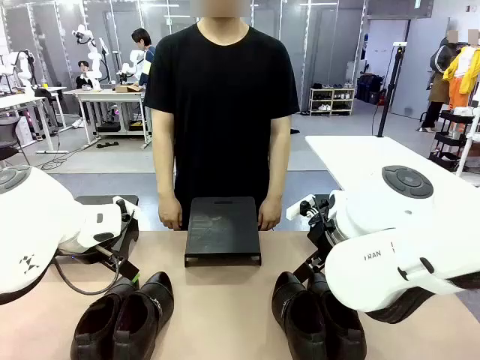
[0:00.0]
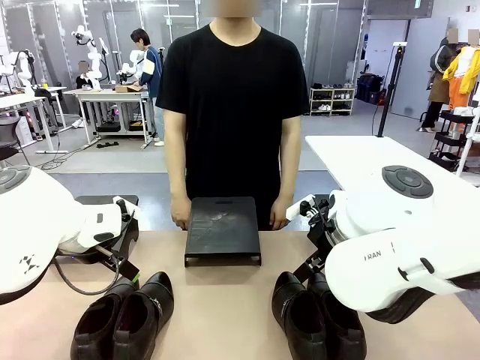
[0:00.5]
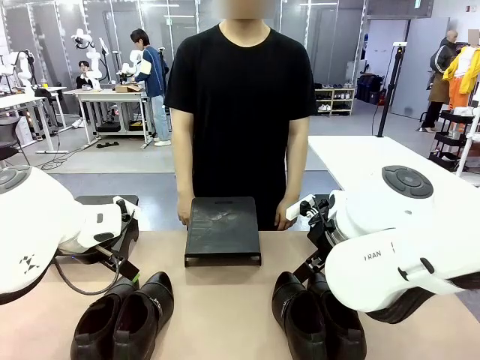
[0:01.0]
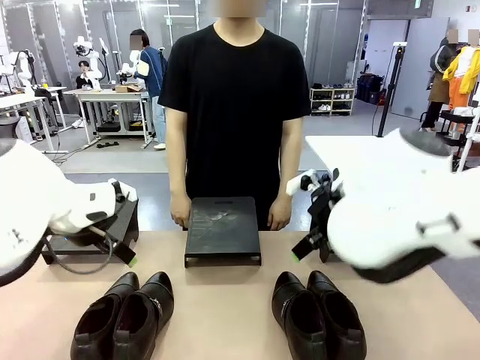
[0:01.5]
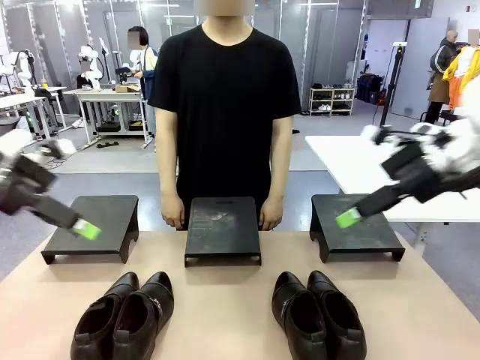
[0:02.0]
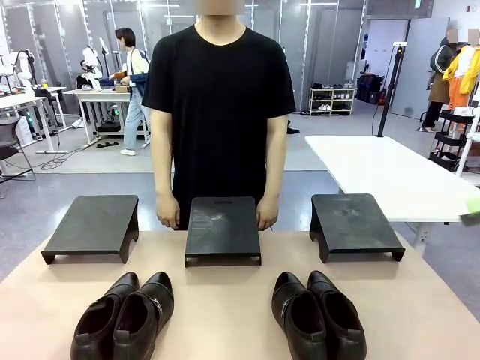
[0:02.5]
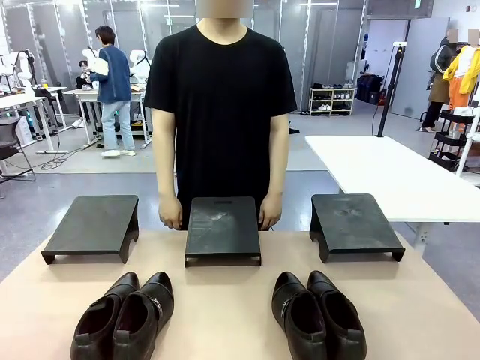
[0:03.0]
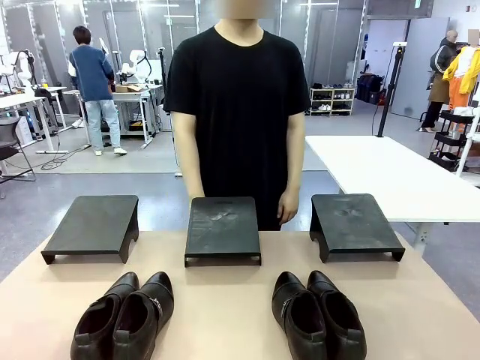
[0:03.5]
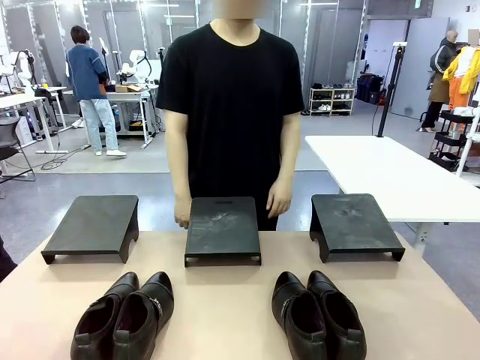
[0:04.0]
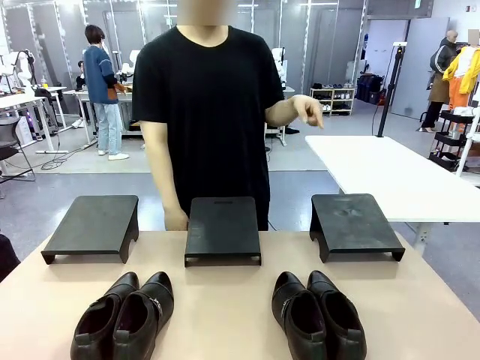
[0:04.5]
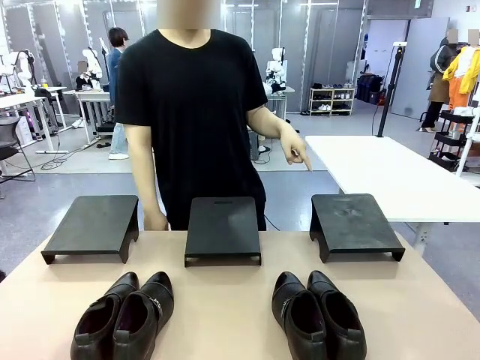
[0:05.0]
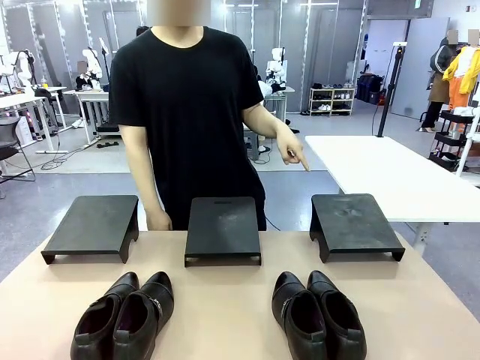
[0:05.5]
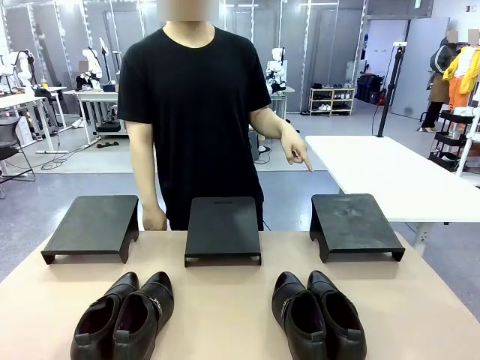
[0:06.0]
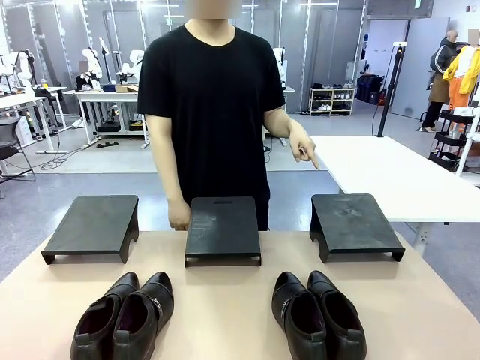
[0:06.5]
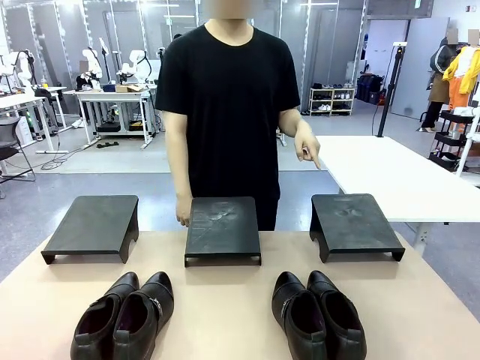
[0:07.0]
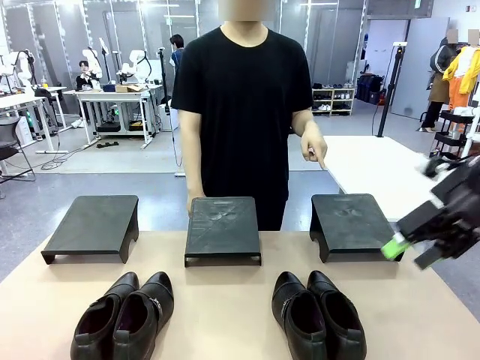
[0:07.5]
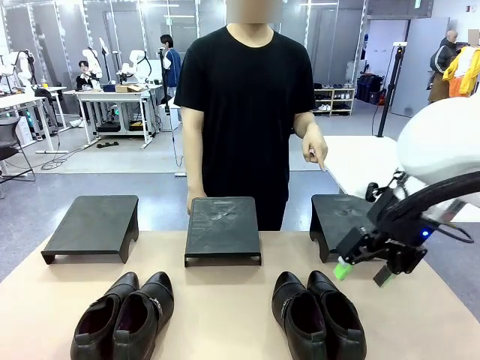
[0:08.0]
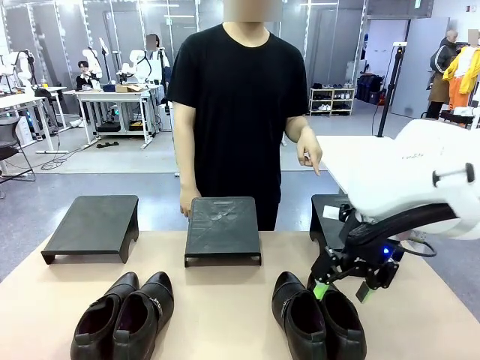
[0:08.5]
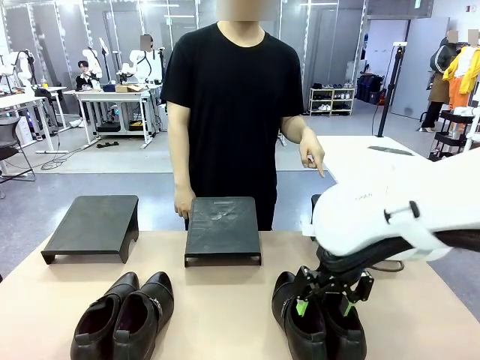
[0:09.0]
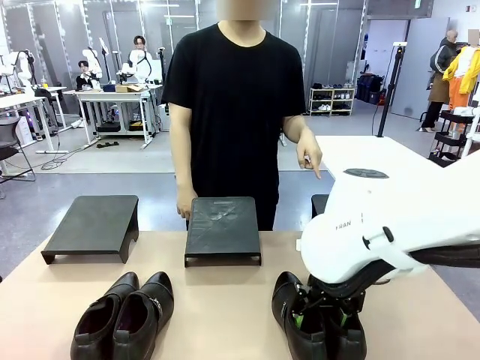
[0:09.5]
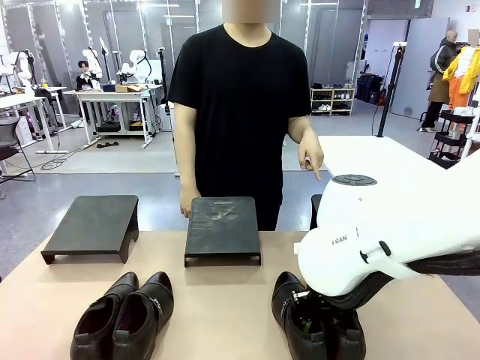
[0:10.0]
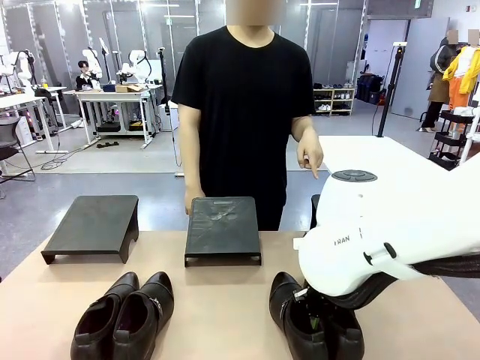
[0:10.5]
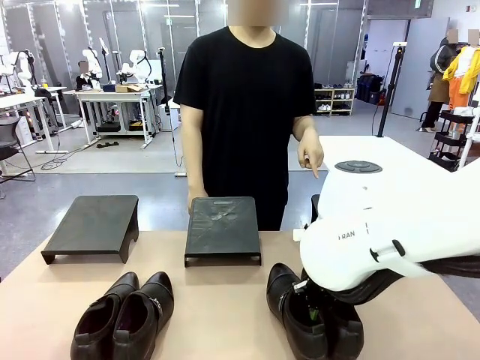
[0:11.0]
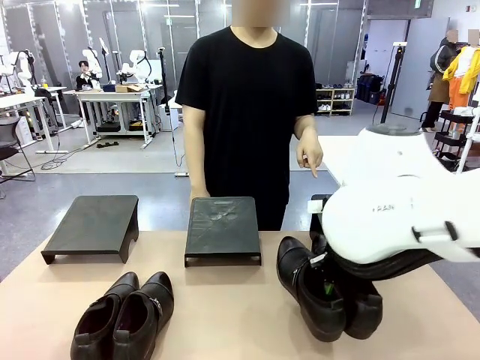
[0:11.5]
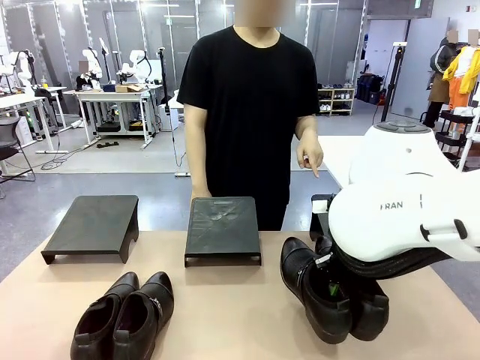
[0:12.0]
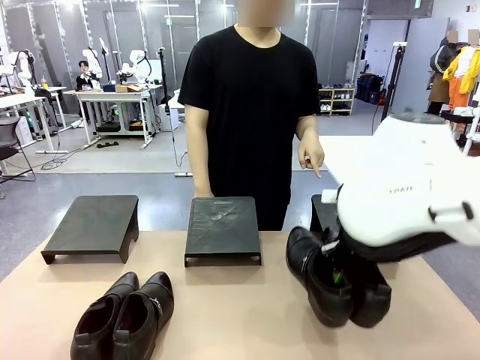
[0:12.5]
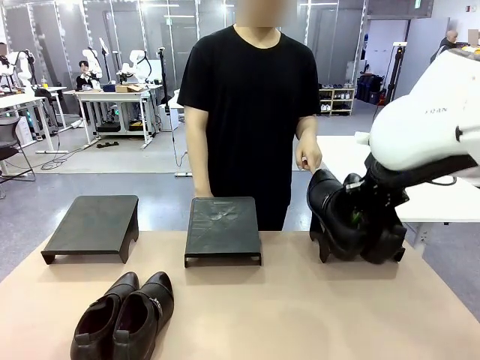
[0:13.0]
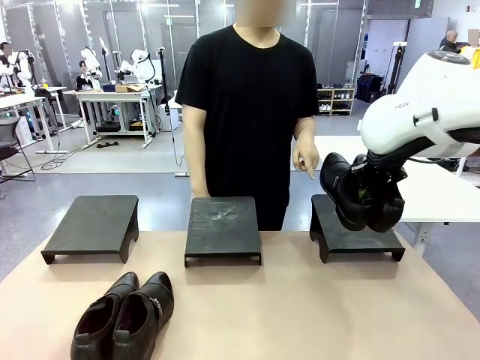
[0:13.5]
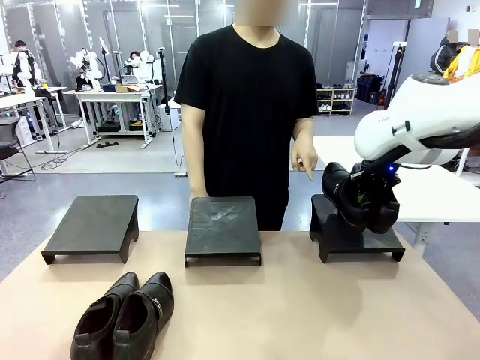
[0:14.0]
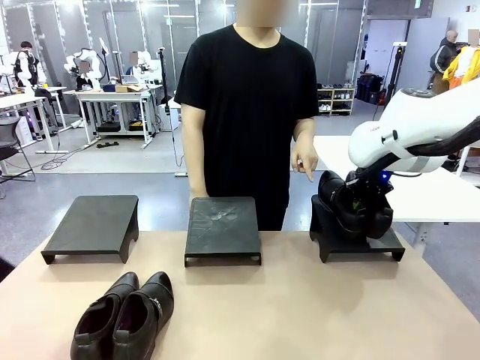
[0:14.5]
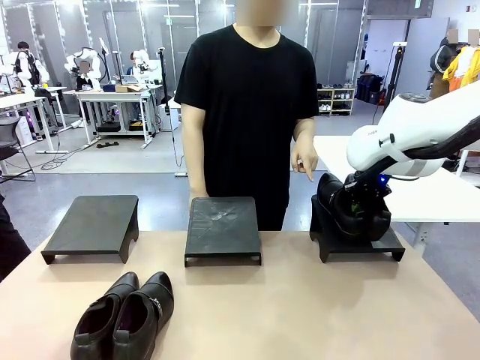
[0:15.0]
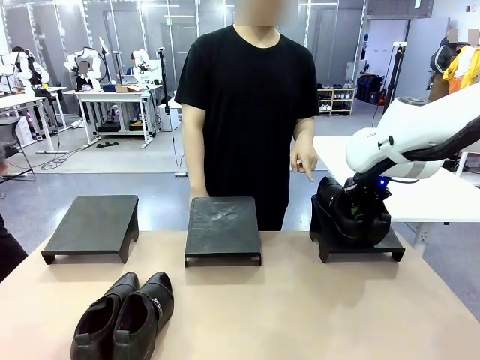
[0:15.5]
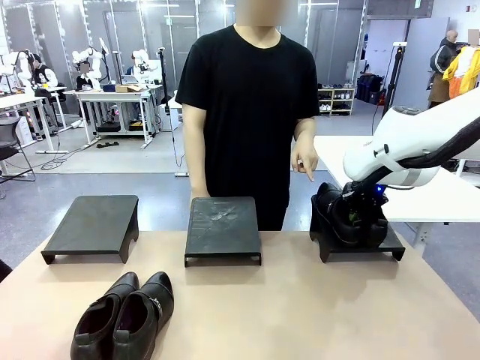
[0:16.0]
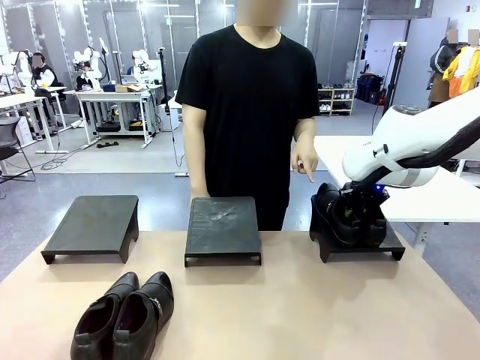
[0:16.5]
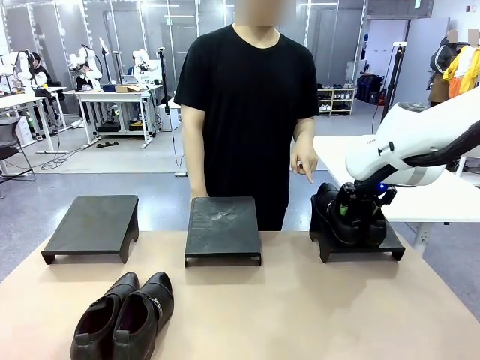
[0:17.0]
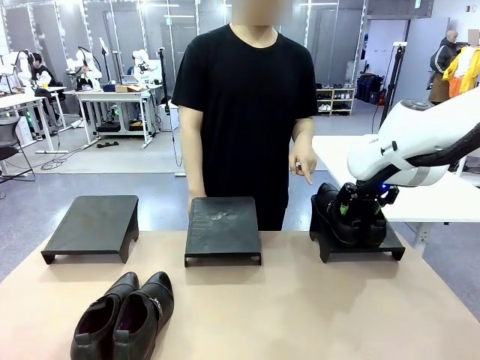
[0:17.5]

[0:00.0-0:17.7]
Task: Place the shoes on the stand as instructed by the person.
Robot: Pick up one pair of Shoes and place it on the Shoes Stand indicated by the person.
